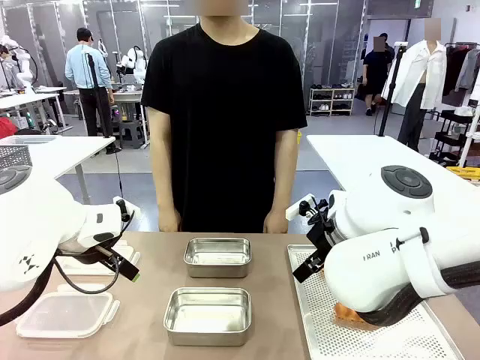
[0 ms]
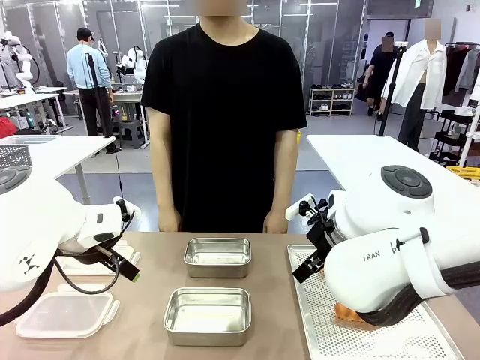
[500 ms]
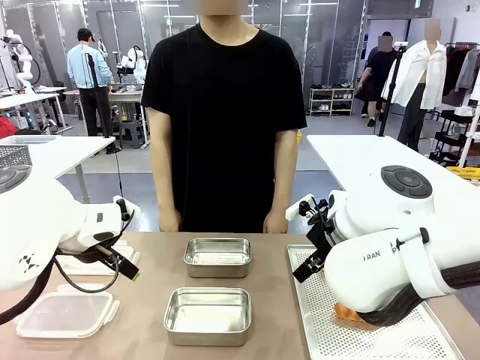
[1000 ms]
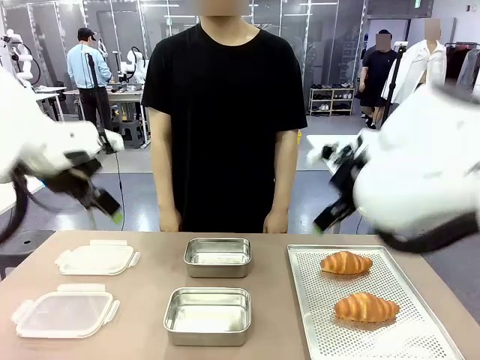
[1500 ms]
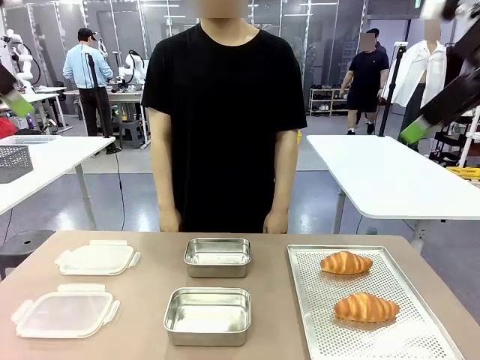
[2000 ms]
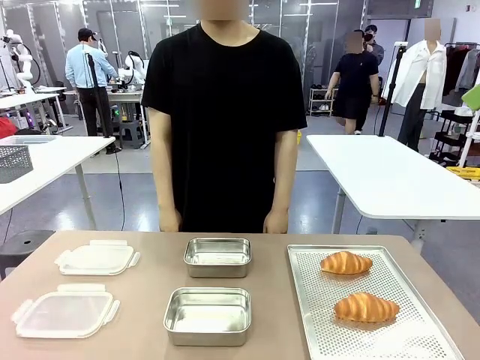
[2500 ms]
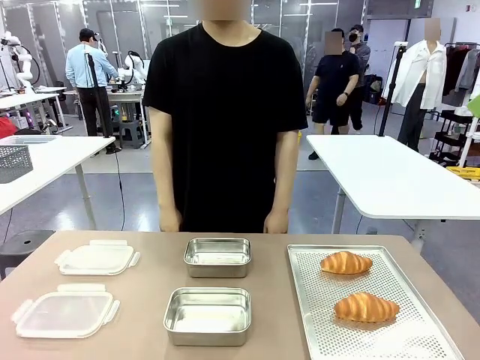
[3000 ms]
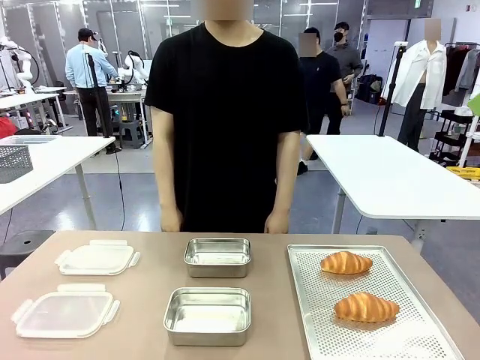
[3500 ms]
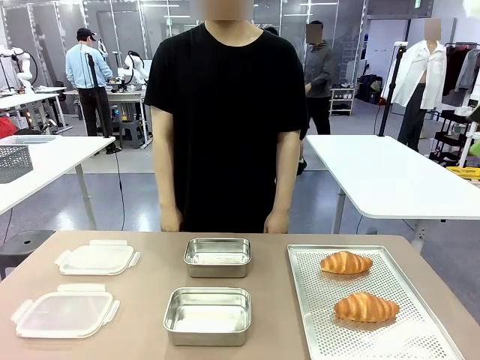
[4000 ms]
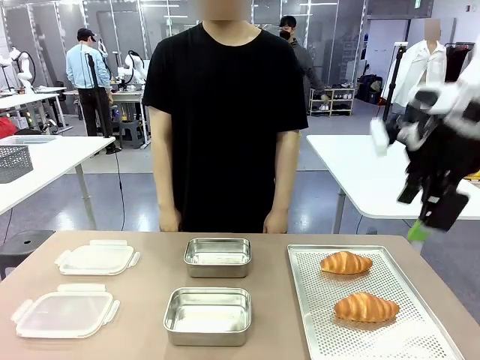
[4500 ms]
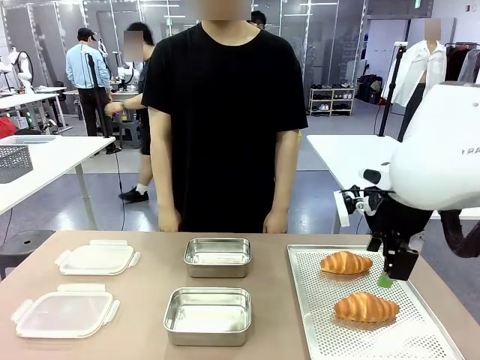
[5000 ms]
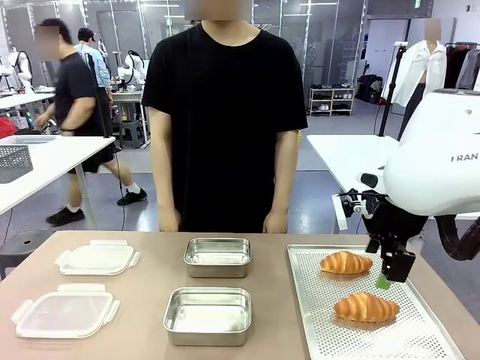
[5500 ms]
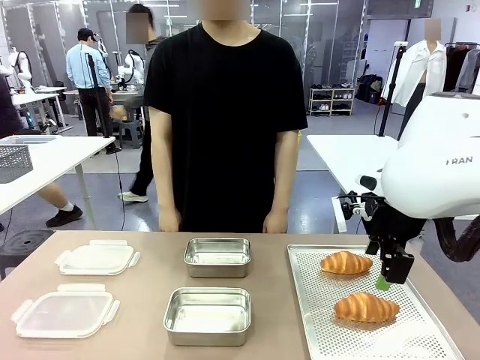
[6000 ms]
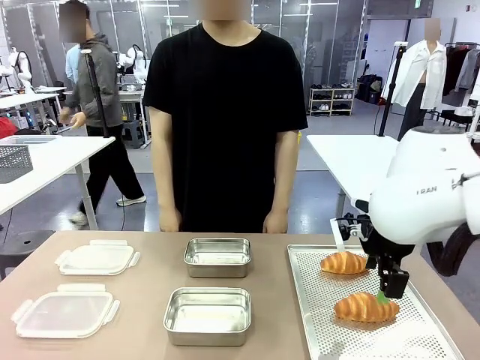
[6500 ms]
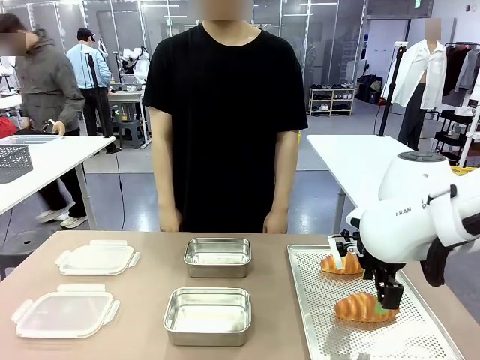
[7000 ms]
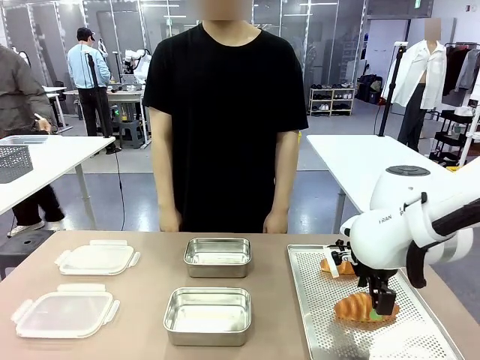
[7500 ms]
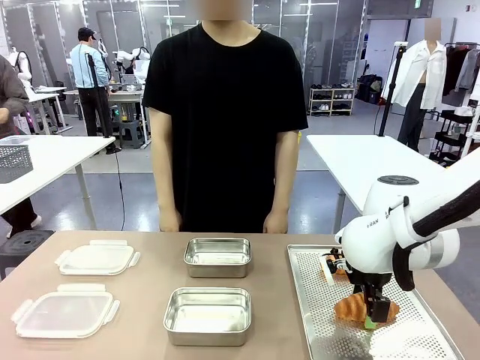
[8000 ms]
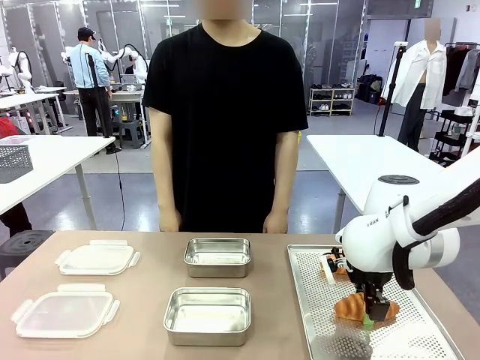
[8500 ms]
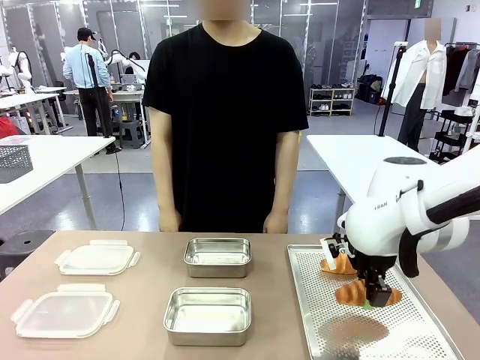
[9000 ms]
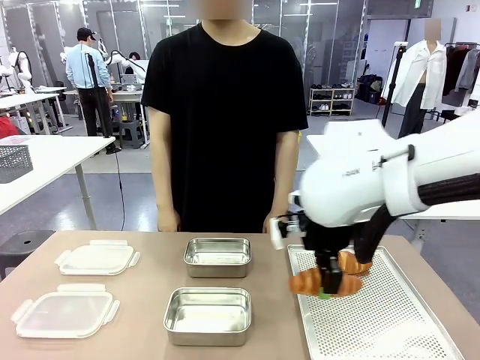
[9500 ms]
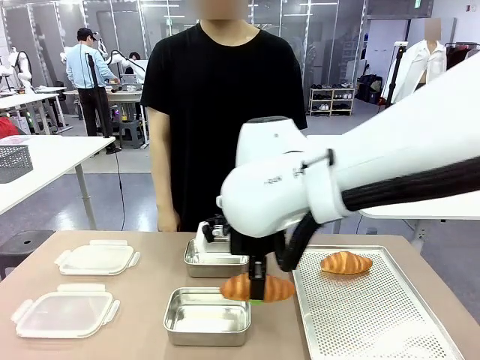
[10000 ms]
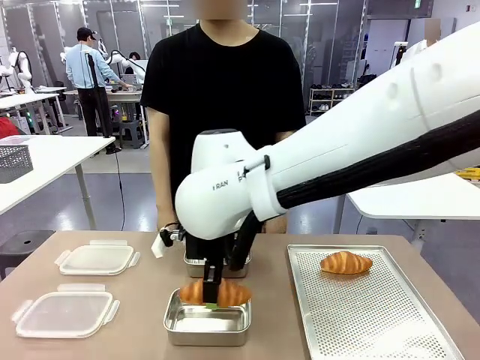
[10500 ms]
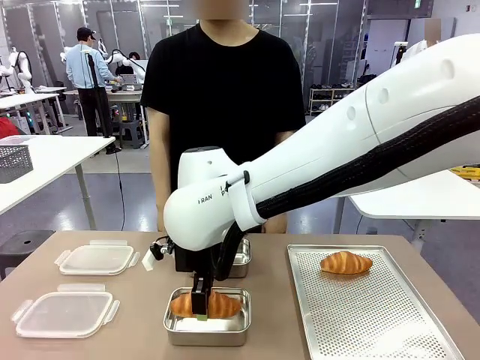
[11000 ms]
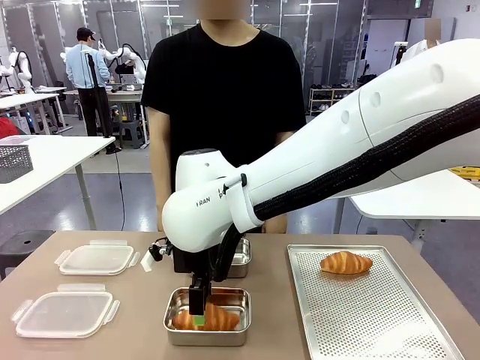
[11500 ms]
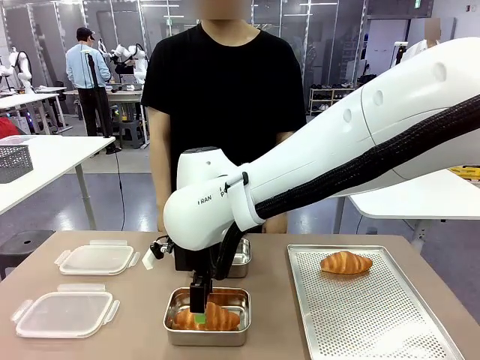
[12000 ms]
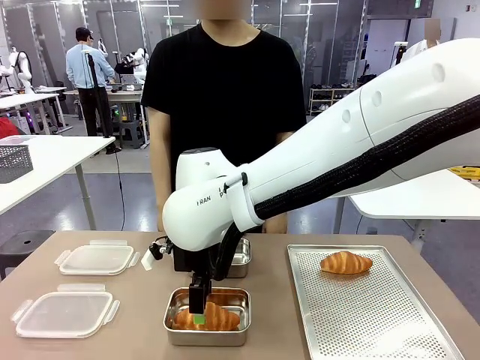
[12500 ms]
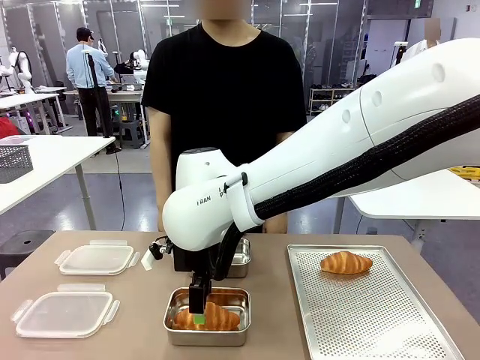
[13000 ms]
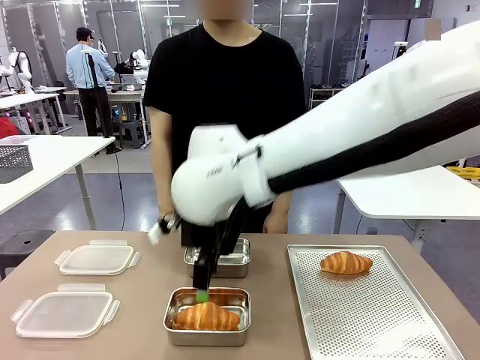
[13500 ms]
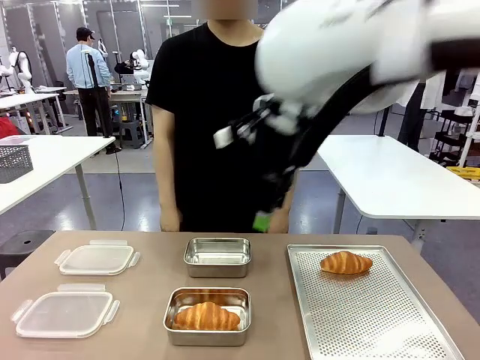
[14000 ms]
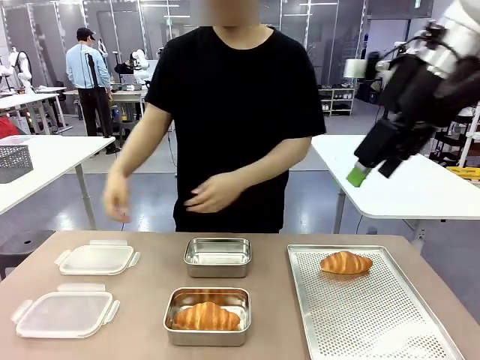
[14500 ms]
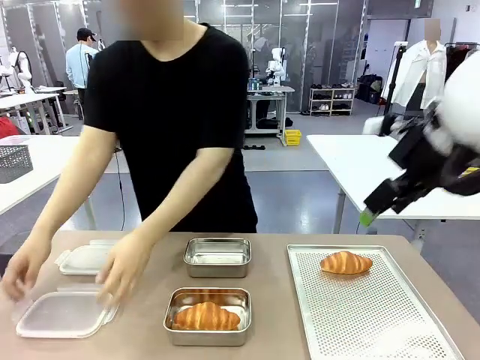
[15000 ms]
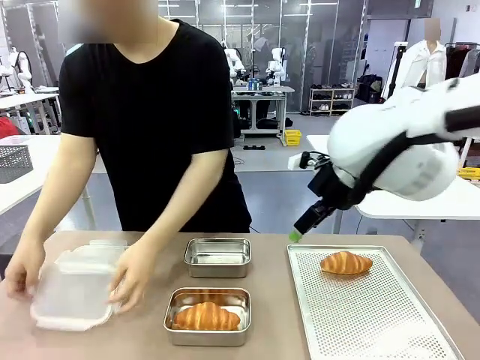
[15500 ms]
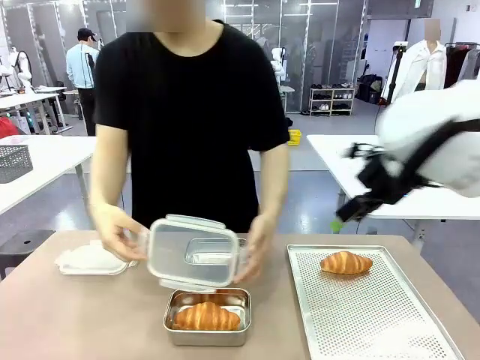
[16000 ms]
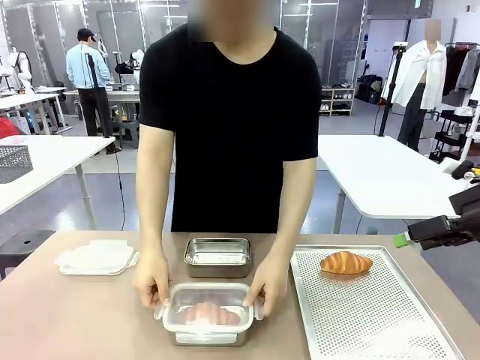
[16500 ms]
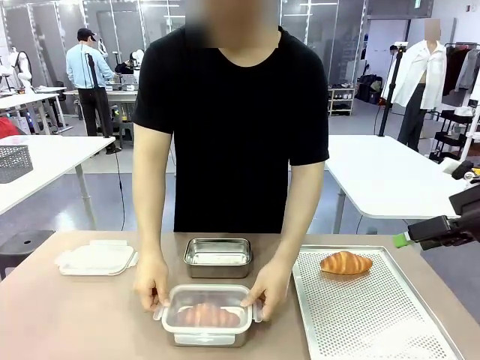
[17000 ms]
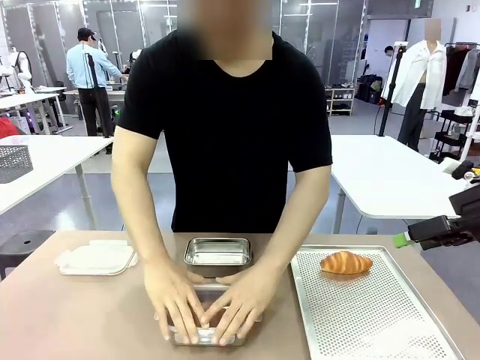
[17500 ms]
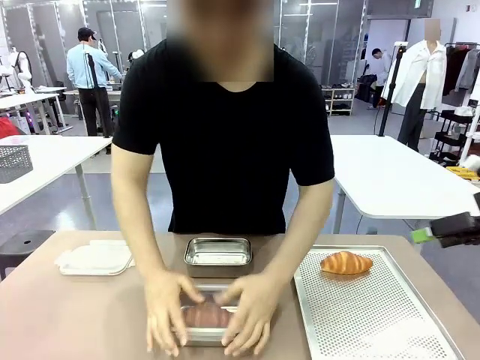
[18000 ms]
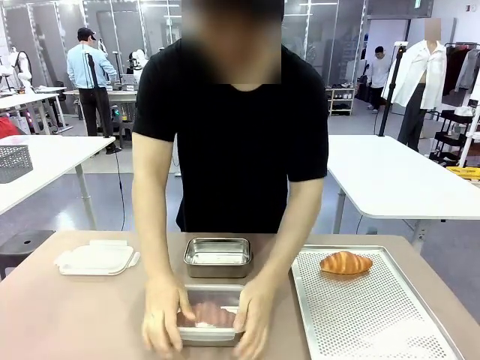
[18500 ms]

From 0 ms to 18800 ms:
Task: Place the bread into the airtight container.
Robot: Pick up a Butter Roll and place it into an empty Airtight Container.
